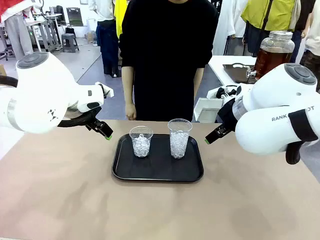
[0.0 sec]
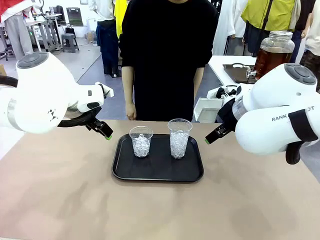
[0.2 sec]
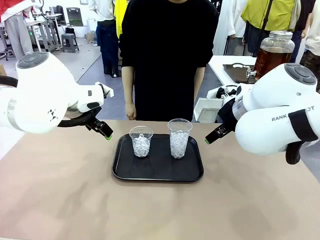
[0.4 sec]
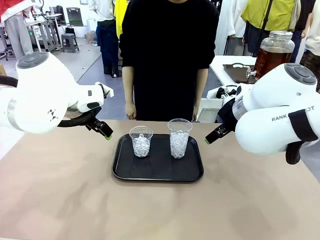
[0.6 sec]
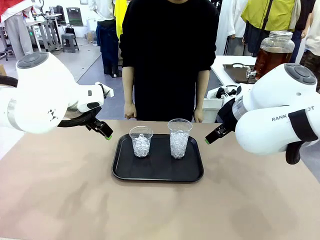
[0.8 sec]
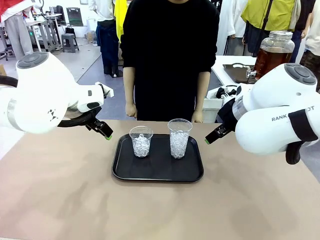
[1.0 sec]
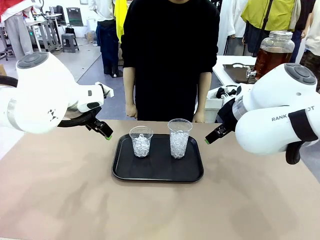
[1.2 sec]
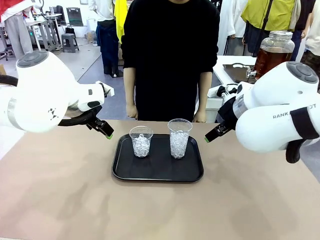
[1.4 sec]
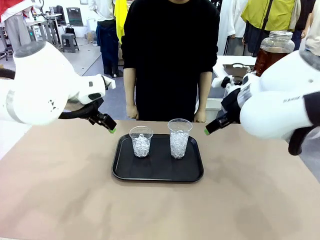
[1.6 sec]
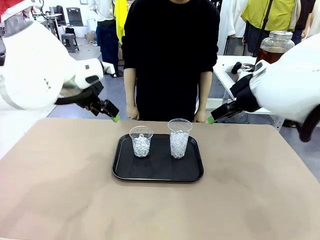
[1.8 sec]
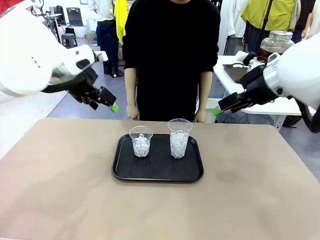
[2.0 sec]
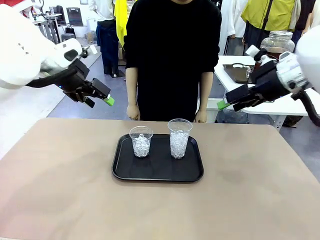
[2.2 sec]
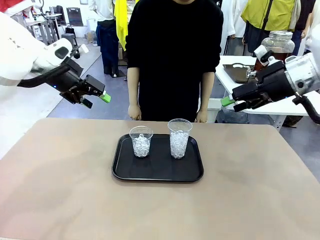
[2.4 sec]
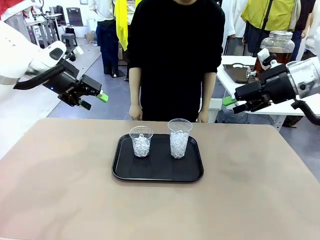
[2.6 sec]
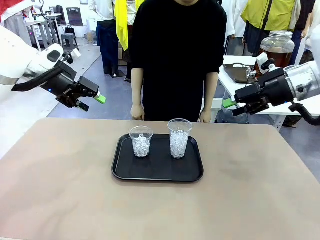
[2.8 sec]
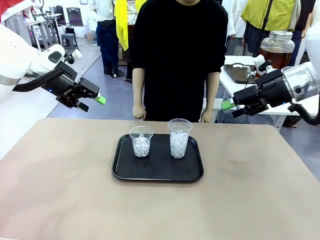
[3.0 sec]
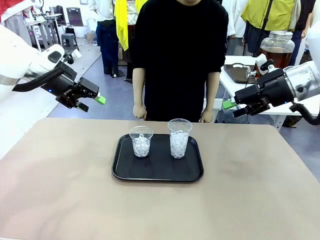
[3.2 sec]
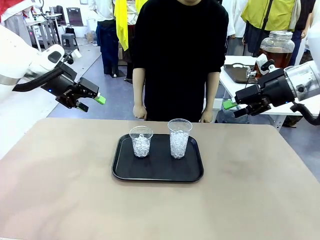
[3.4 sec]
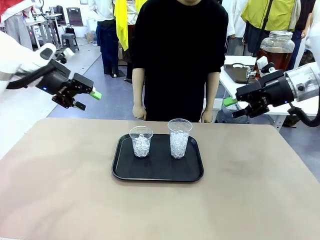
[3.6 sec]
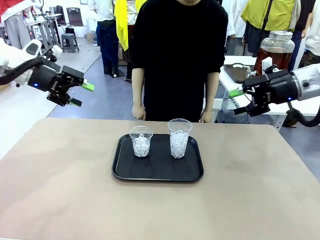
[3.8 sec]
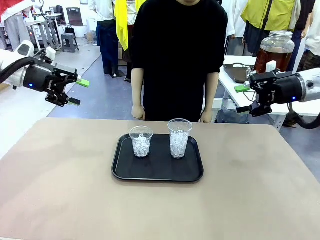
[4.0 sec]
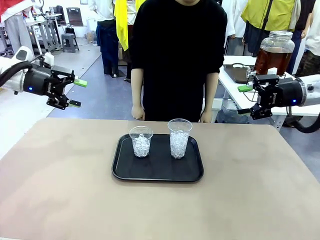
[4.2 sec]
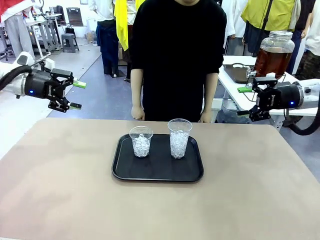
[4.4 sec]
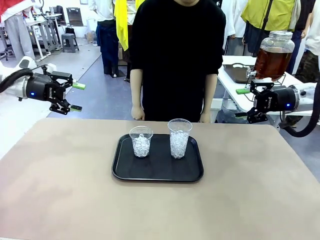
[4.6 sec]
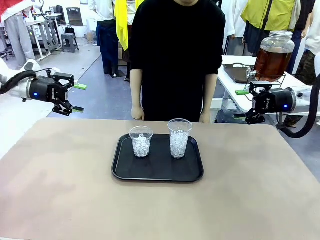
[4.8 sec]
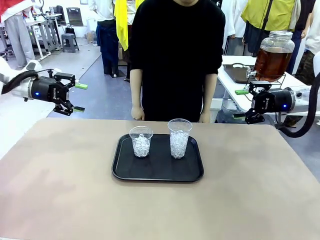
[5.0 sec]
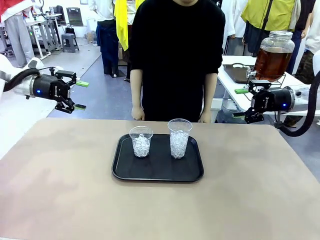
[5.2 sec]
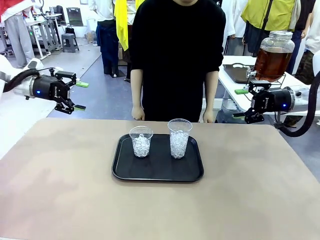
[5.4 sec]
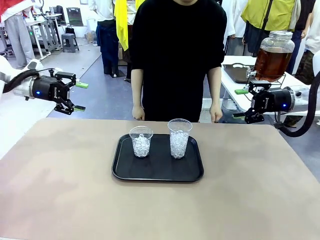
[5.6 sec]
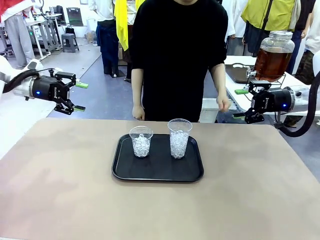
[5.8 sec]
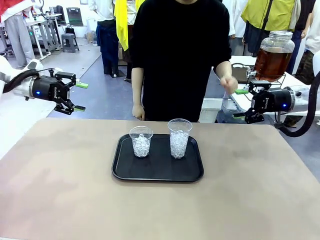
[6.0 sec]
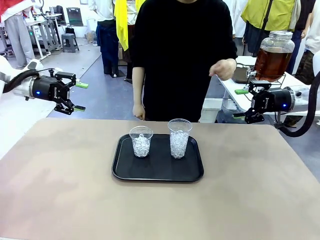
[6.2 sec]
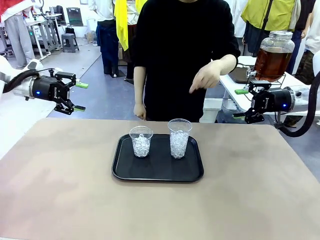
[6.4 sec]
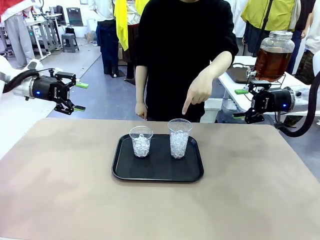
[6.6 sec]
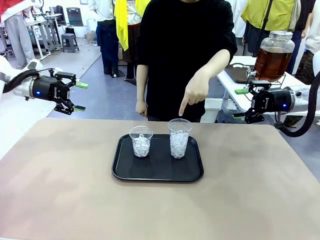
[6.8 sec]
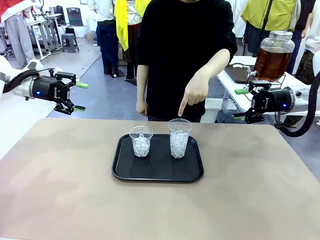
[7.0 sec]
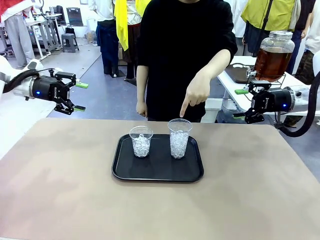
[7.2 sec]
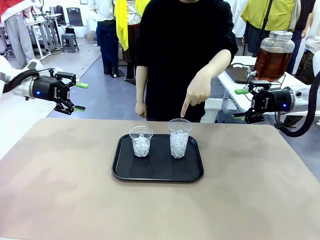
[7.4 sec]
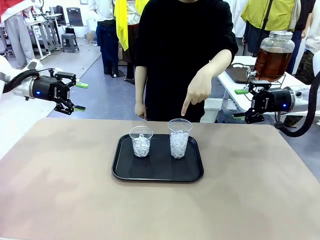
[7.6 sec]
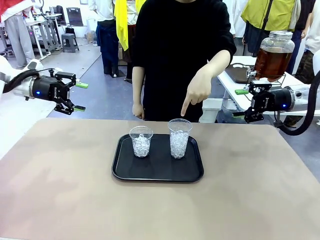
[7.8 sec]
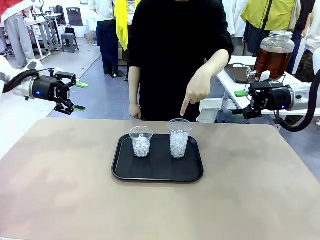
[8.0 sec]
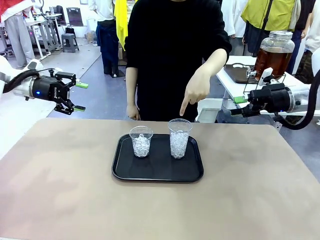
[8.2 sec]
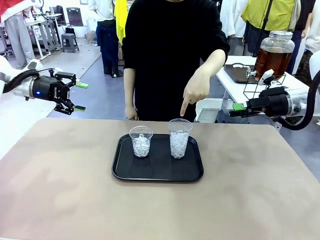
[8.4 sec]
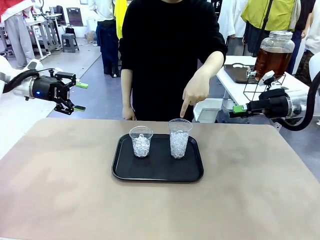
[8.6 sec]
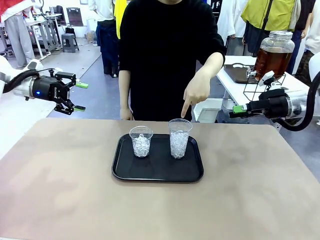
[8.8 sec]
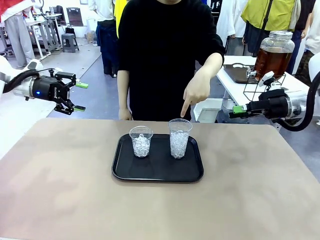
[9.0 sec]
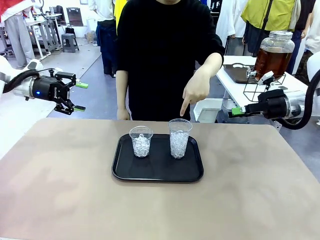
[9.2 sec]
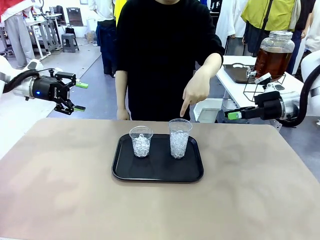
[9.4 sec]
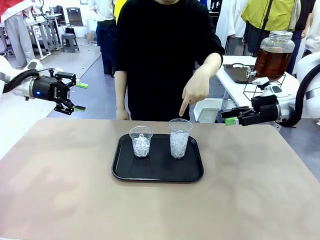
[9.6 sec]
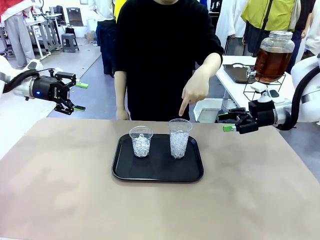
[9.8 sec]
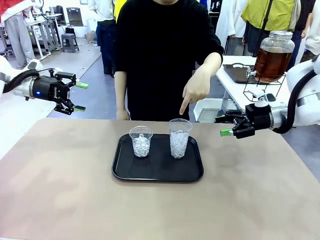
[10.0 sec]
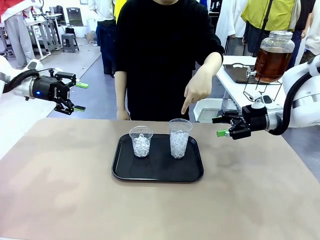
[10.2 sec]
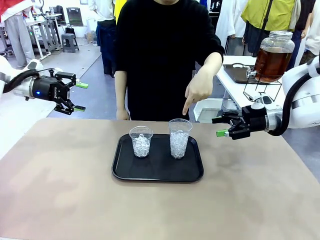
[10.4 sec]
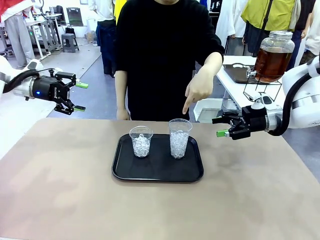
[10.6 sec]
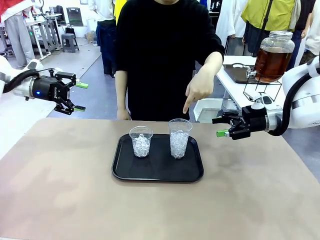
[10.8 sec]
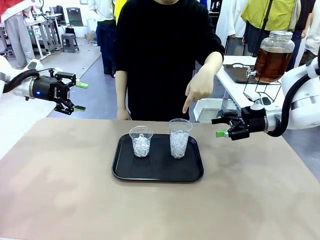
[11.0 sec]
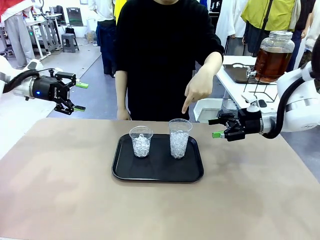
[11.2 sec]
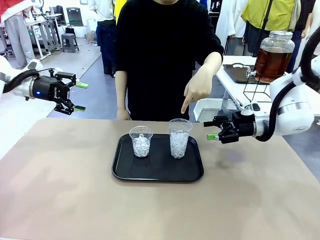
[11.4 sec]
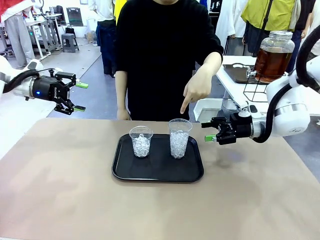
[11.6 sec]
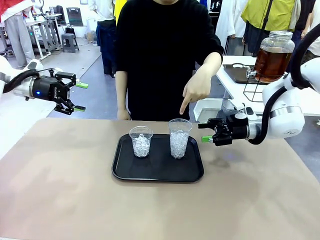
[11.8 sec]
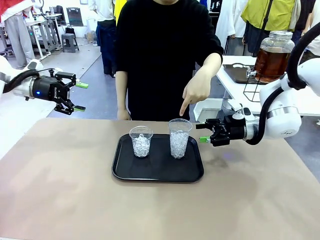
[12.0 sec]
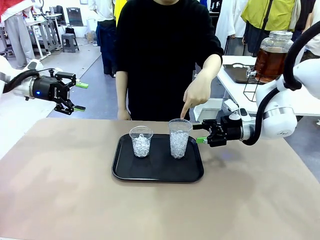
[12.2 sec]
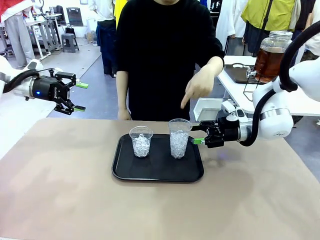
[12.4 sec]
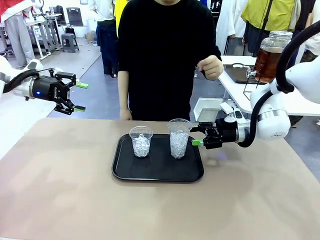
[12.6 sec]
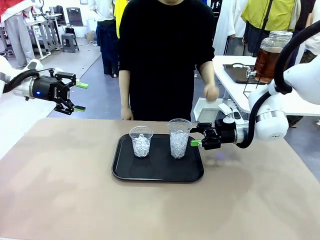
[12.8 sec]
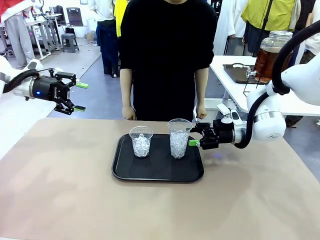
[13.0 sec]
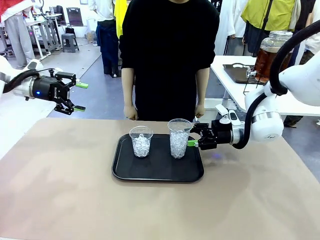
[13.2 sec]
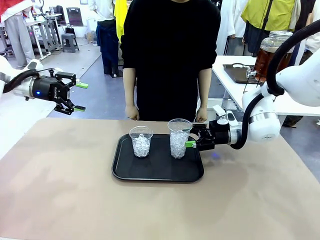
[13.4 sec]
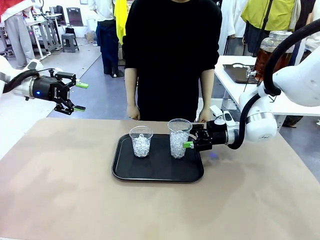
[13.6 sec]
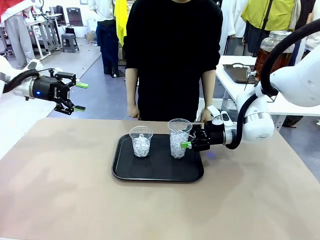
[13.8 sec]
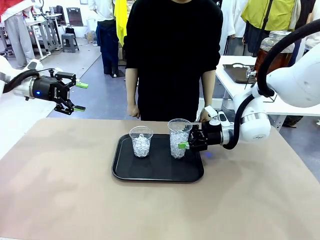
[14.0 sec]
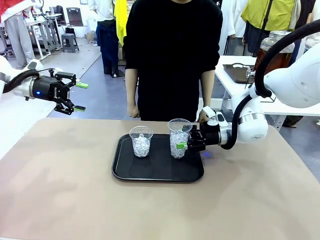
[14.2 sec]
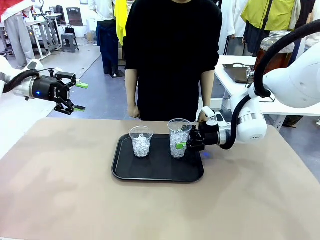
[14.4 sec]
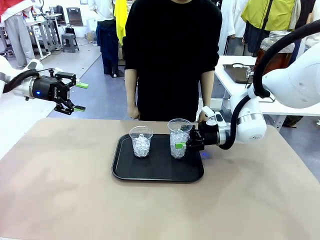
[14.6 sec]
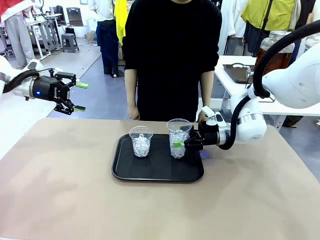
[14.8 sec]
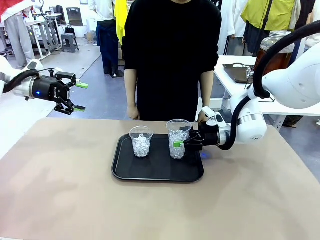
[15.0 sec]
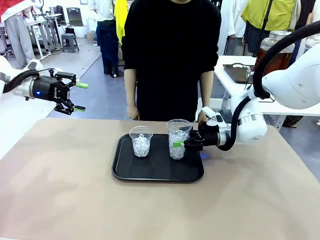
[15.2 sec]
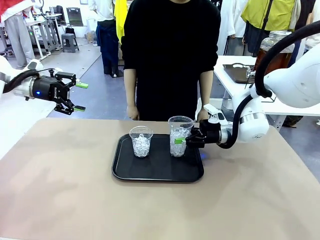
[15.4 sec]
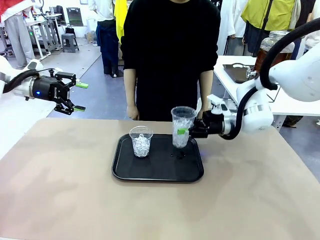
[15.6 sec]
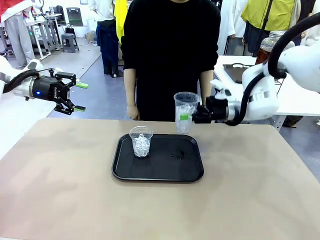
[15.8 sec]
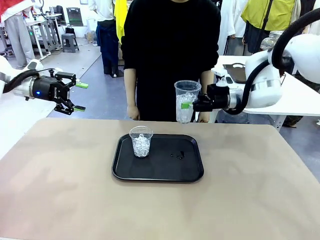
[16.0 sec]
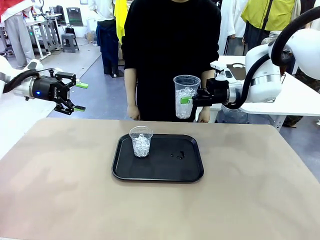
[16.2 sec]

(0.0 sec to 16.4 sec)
Task: Pour the drink into the iced cup.
Robot: Pick up the iced cup indicated by the human and present it to them.
Person: Point to one of the two ice cups. Pick up the cup offered by the robot.

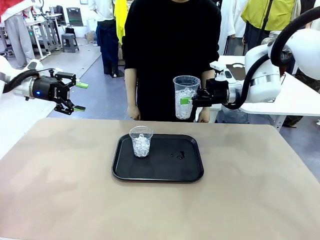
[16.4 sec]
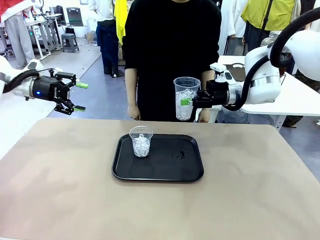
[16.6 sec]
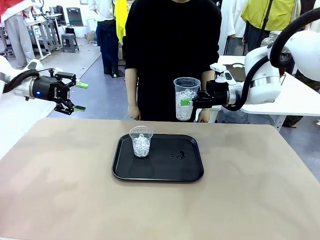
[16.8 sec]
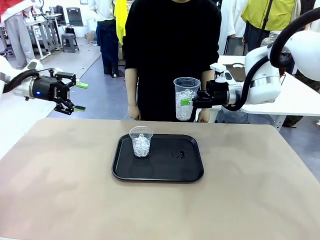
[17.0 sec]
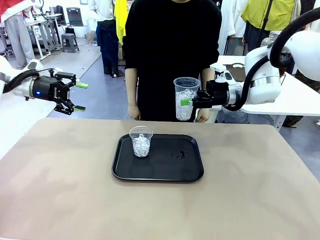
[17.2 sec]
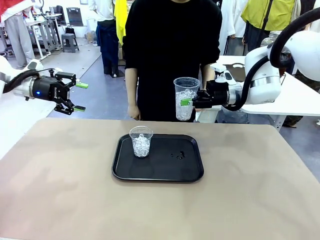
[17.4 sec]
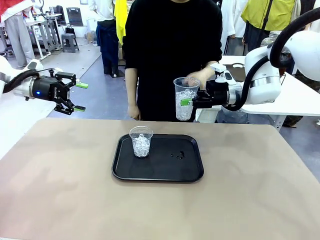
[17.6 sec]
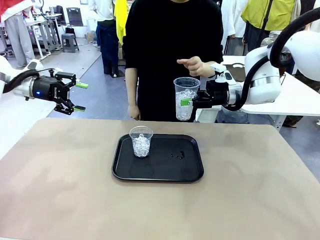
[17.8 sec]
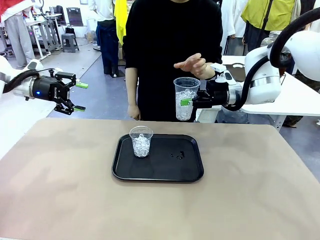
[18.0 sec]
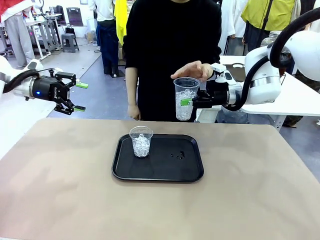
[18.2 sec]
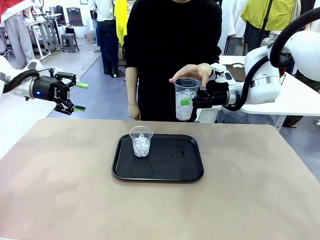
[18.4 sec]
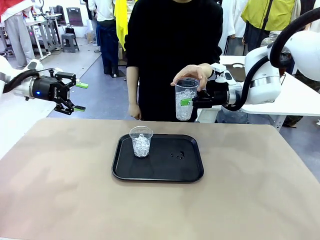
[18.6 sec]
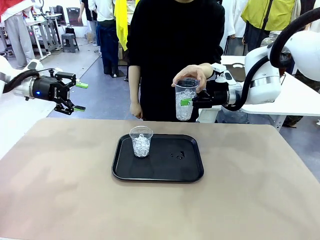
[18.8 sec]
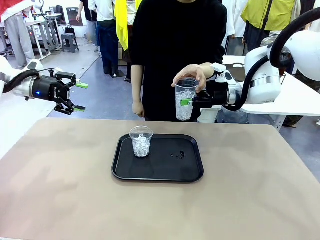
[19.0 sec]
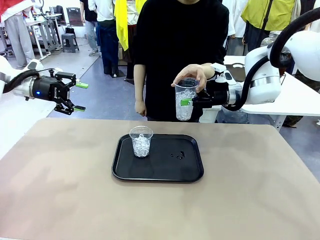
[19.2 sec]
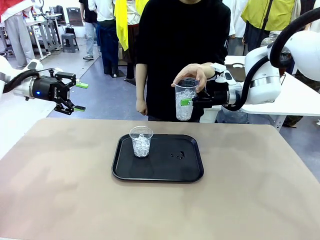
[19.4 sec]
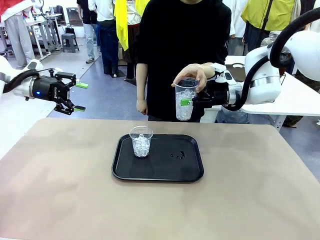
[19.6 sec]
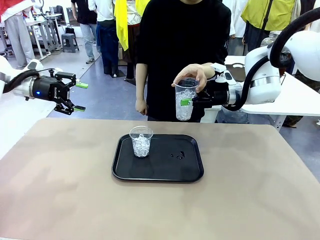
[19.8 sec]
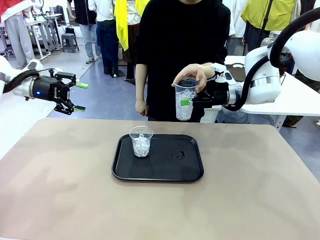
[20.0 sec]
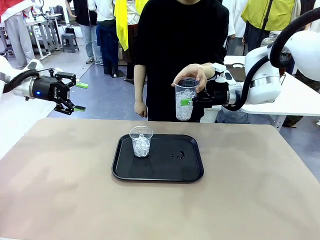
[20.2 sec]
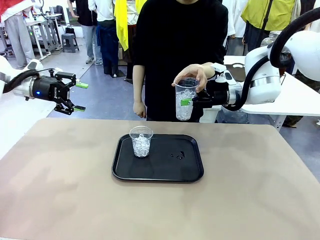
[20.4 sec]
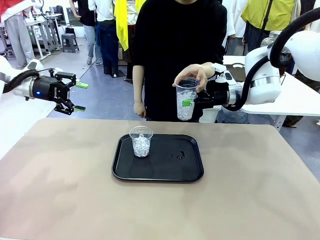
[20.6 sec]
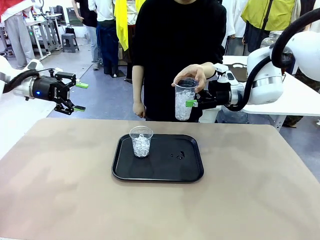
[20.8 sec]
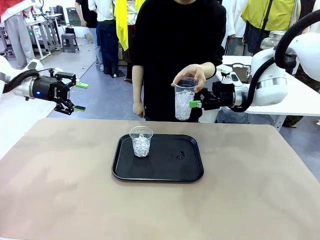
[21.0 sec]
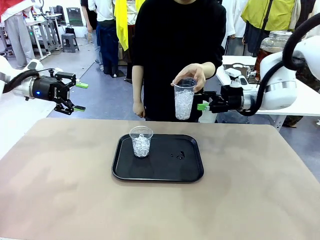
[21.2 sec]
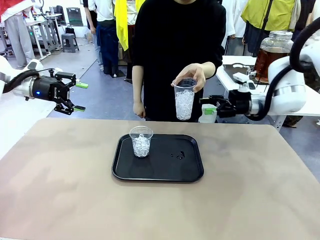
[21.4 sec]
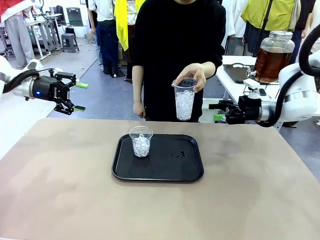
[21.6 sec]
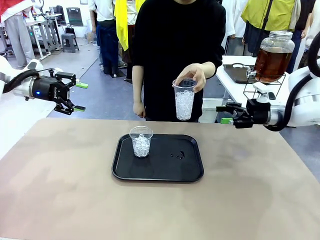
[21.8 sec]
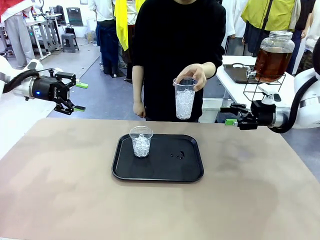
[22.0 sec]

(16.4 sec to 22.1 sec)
Robot: Open the gripper to release the iced cup you were holding.
